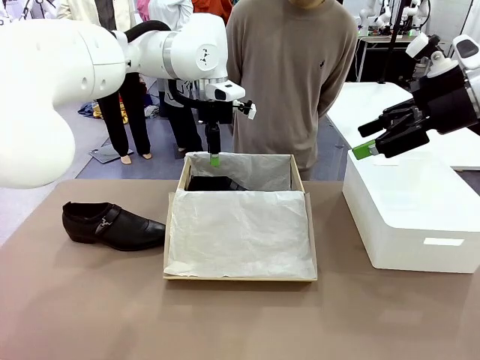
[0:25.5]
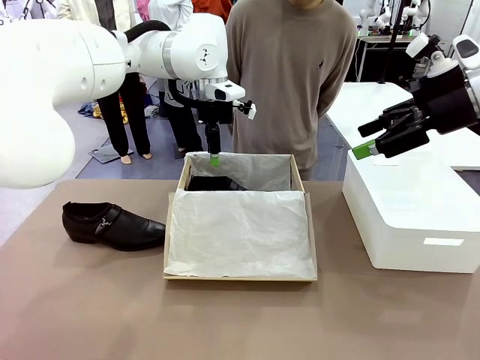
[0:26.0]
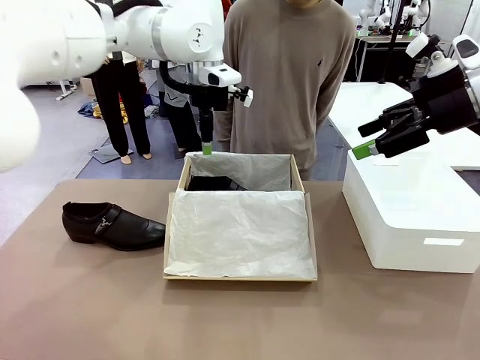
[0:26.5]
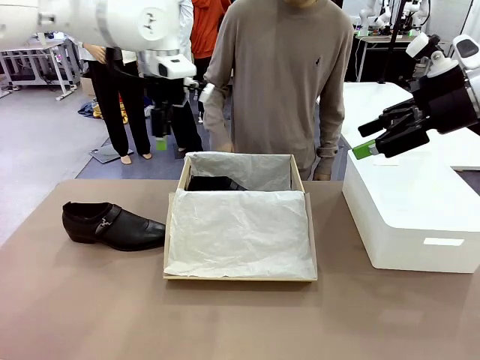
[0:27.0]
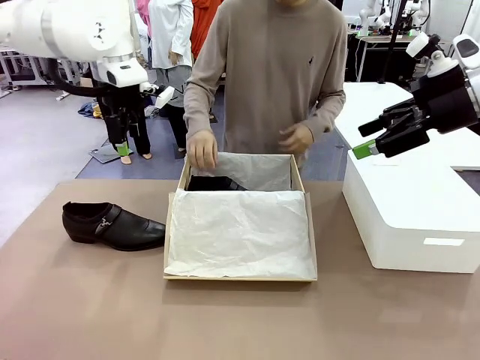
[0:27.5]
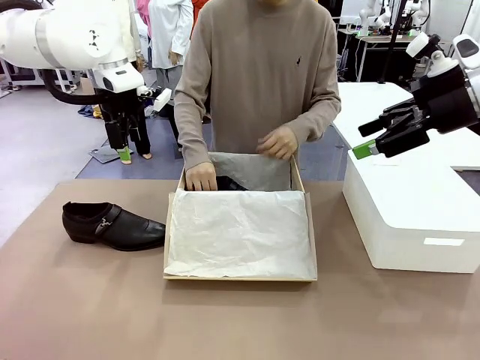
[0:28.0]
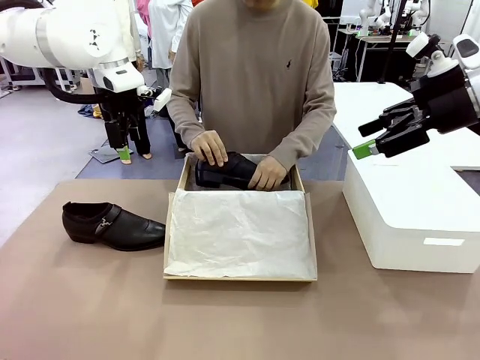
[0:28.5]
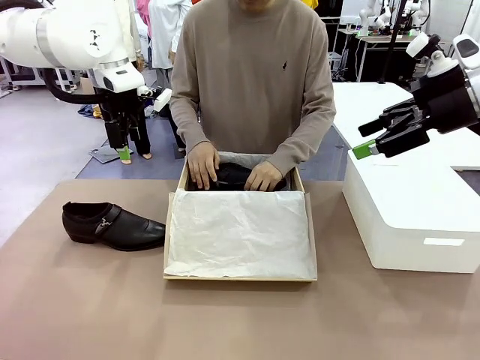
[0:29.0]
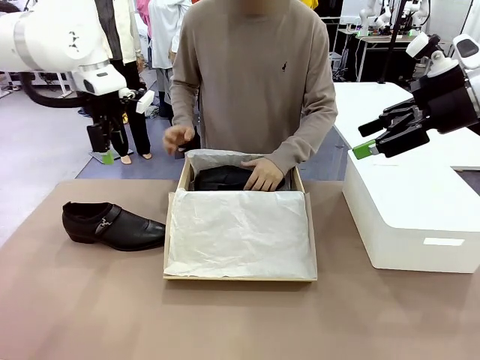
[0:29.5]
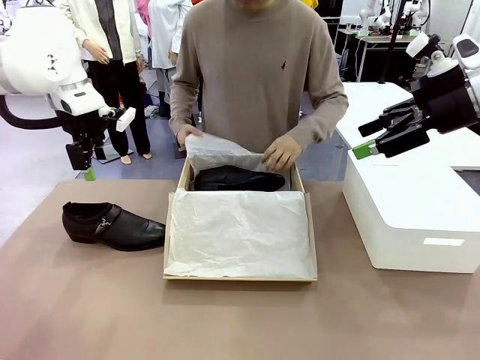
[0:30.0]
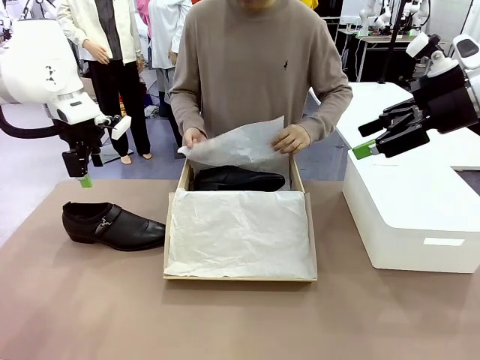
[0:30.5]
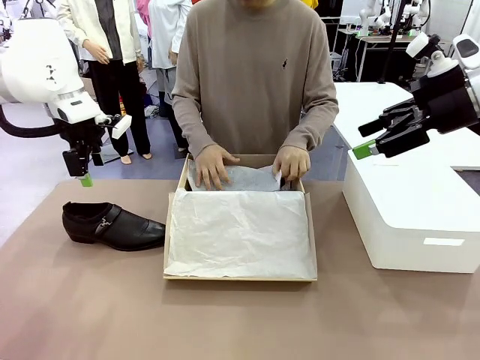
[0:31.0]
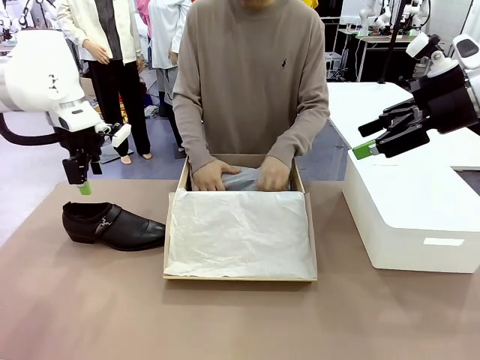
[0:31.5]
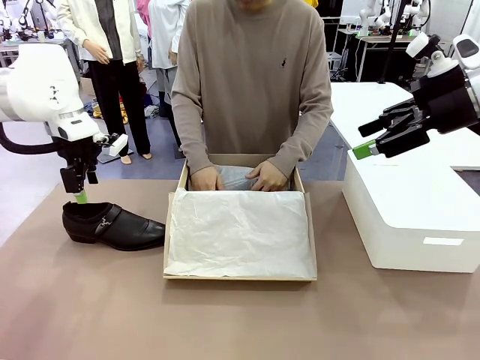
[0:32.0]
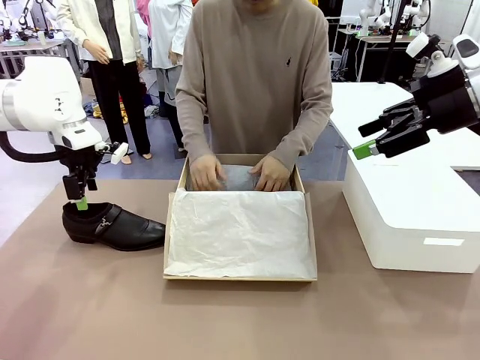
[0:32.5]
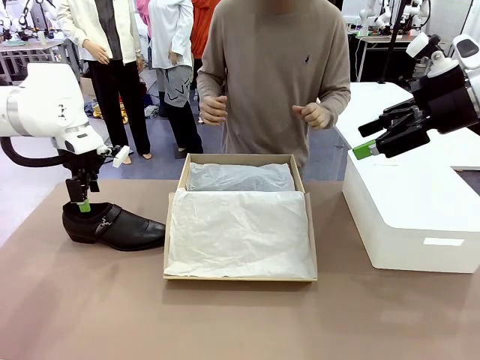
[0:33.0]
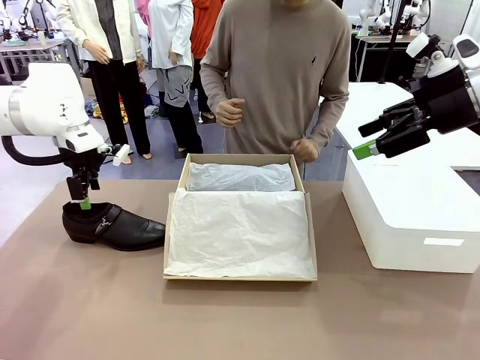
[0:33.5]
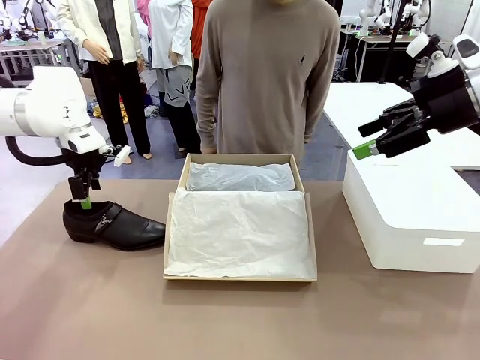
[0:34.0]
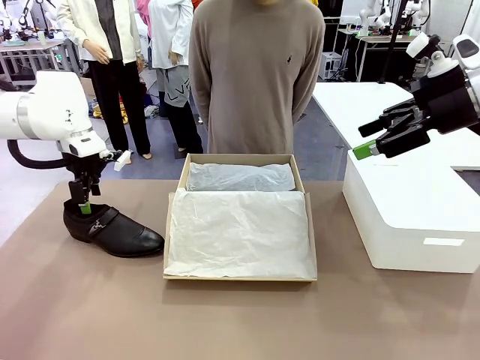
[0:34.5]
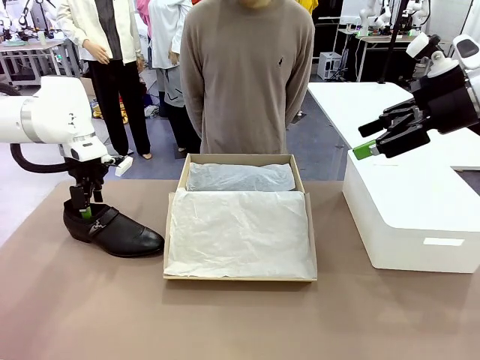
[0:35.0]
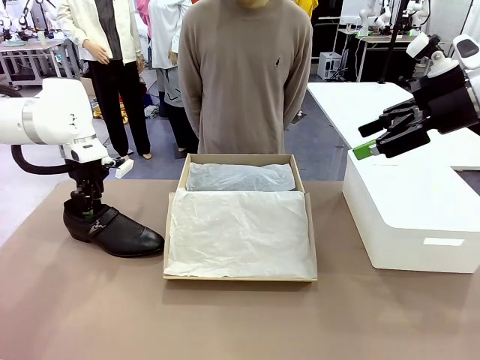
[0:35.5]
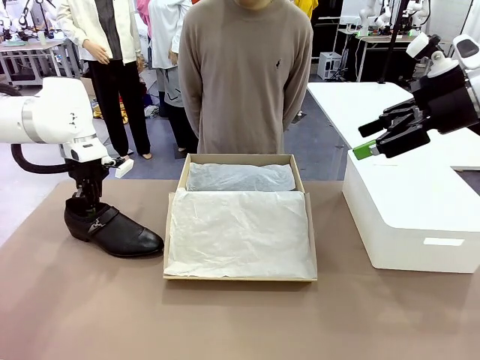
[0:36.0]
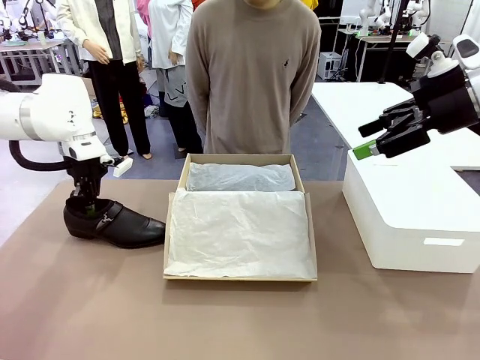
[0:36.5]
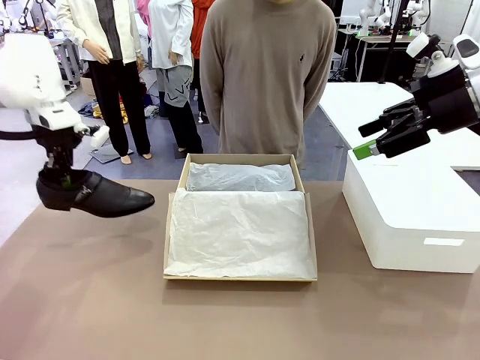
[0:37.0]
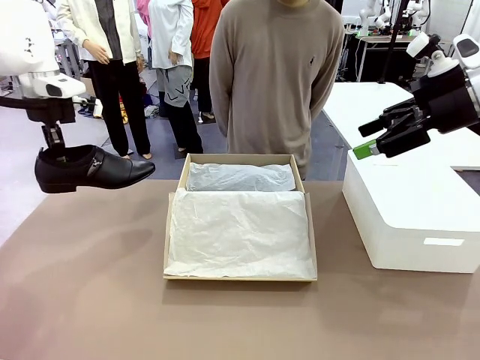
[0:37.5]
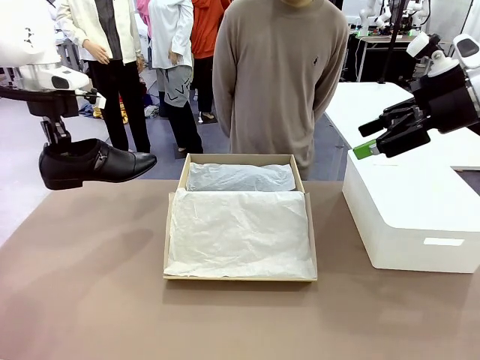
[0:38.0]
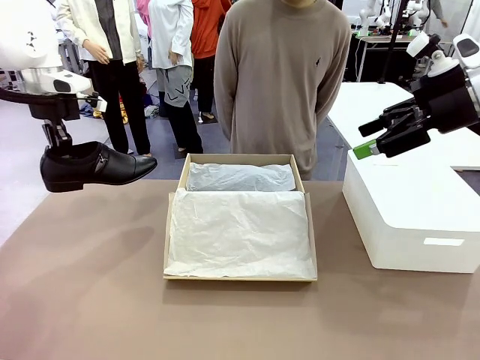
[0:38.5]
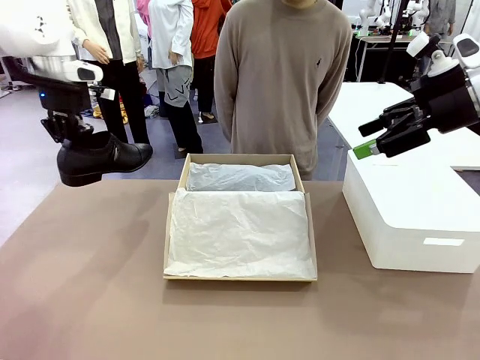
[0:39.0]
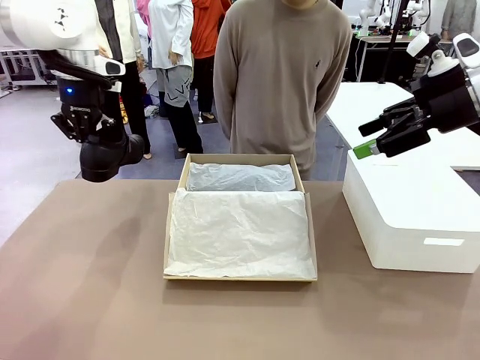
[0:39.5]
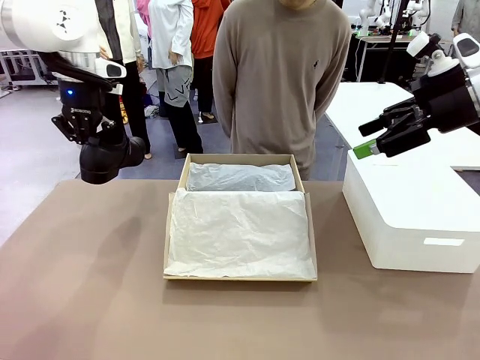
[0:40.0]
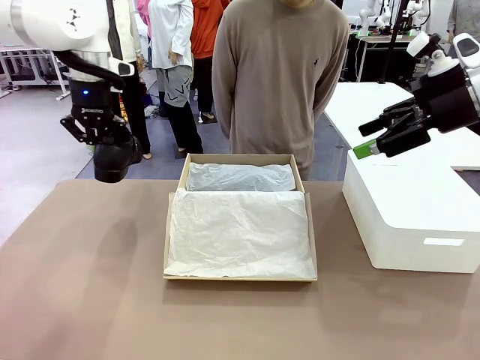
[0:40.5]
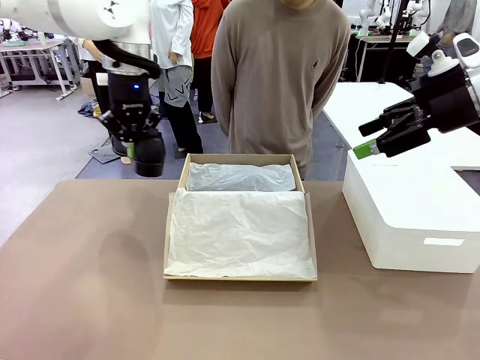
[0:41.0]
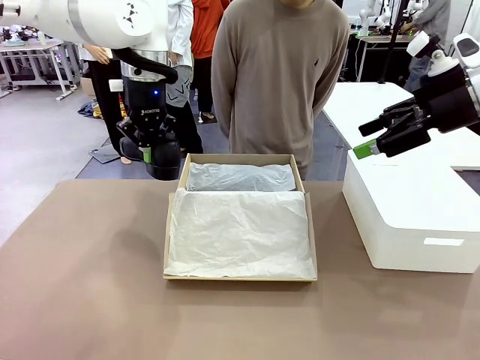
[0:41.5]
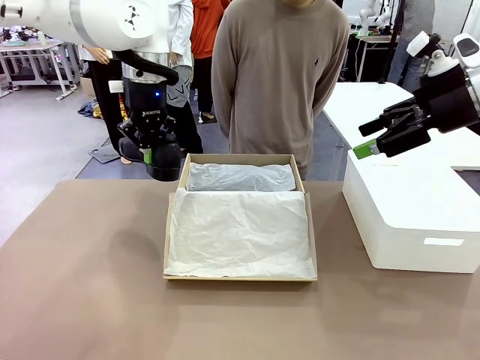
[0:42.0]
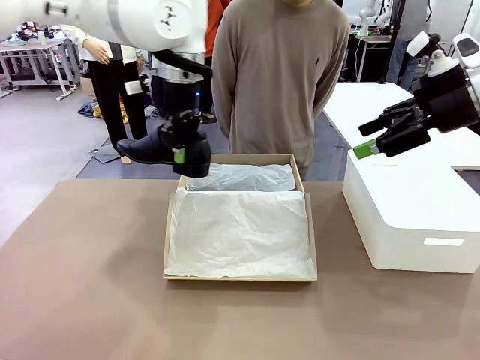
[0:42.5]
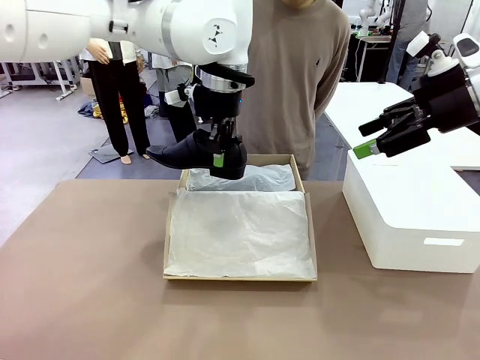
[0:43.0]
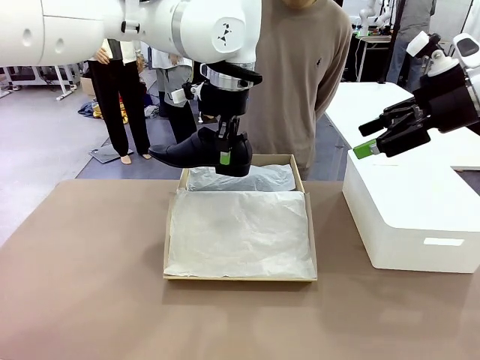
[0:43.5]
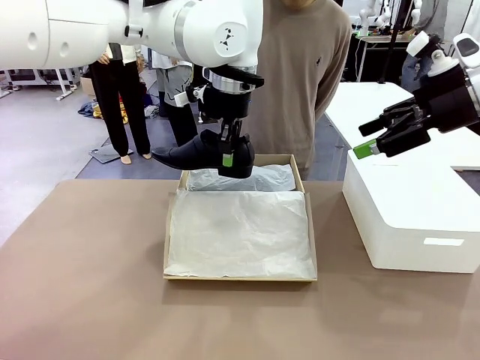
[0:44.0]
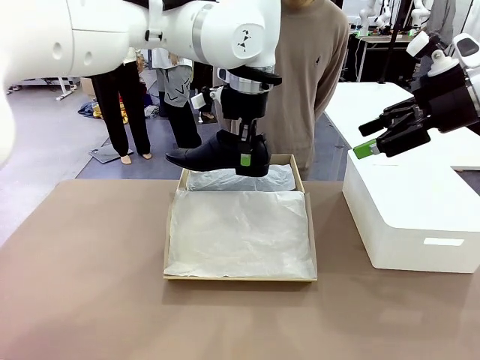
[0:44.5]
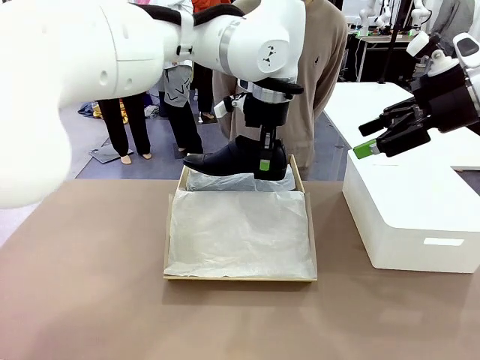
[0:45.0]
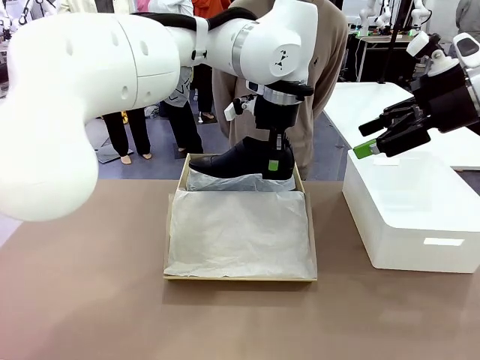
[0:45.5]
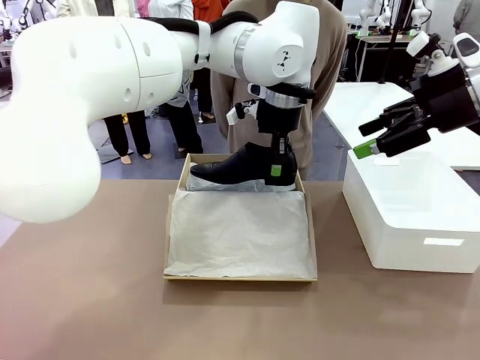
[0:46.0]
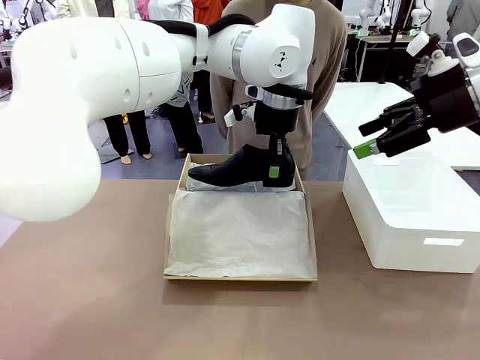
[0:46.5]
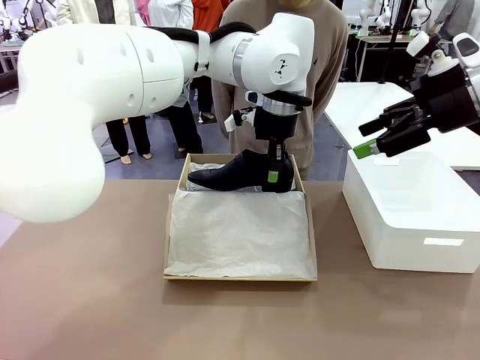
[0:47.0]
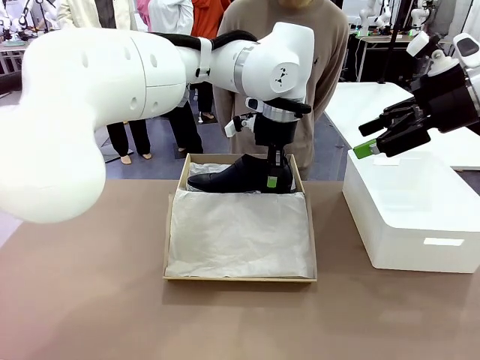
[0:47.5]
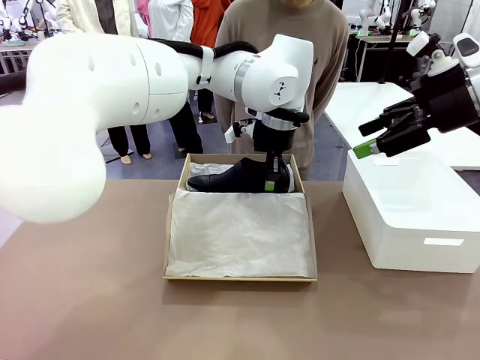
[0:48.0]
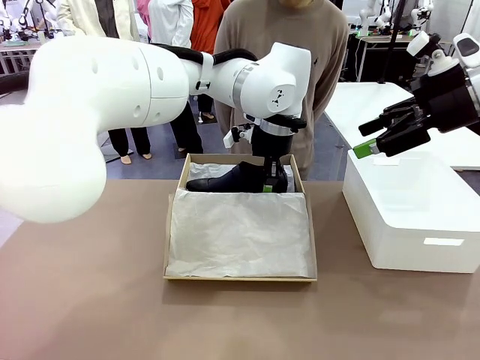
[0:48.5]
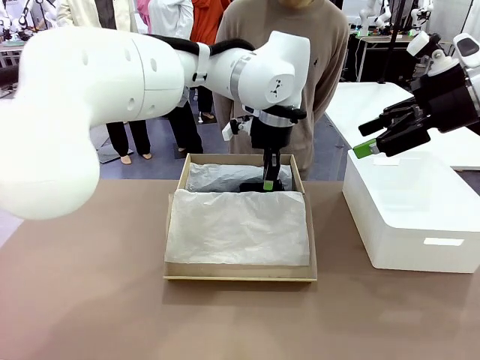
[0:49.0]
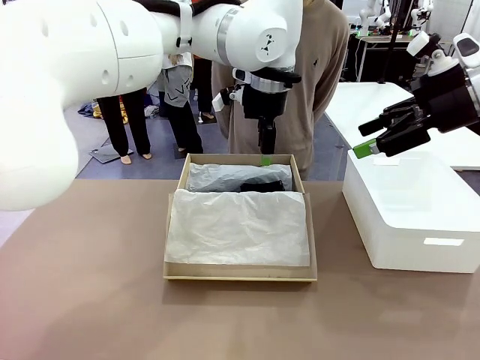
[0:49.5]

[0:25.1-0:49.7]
Task: Pack the shoes into the box.
Robot: Place the other shoe of the Shoes into the Shoes Box.
Person: Pack a shoe of Shoes inside the Shoes Box with Shoes Wrapping Paper.
